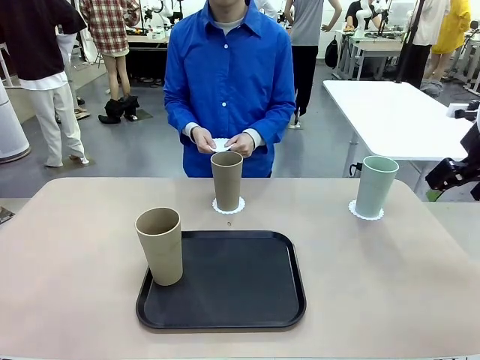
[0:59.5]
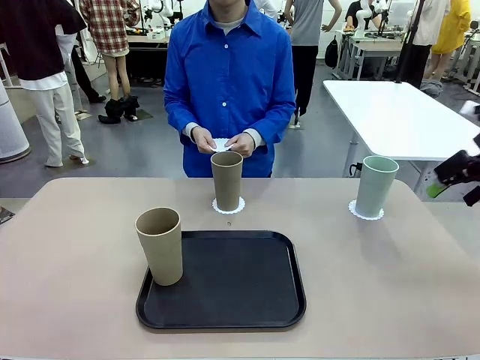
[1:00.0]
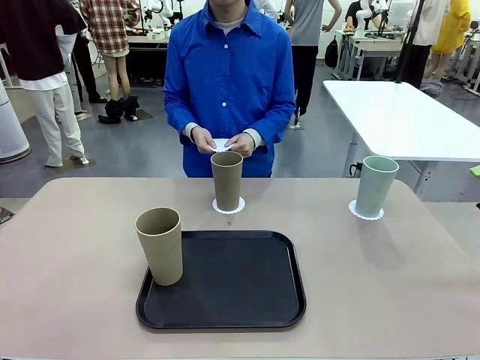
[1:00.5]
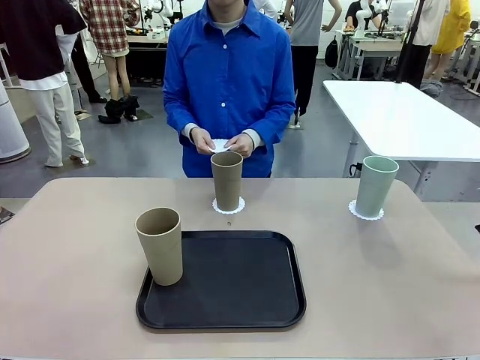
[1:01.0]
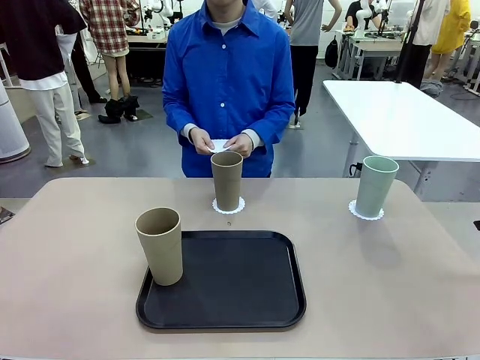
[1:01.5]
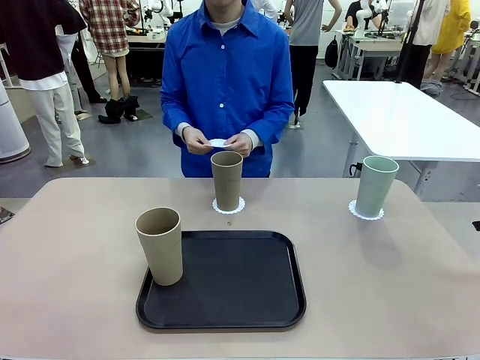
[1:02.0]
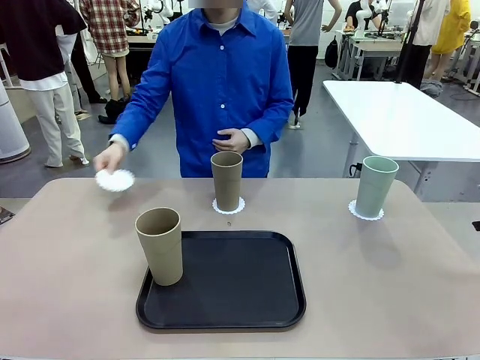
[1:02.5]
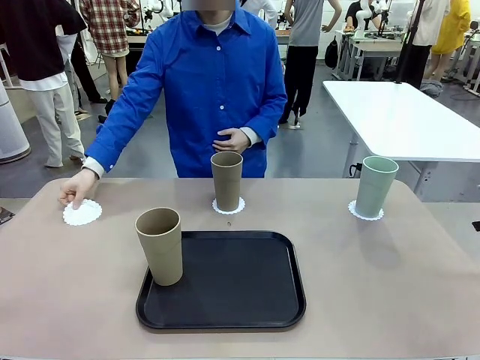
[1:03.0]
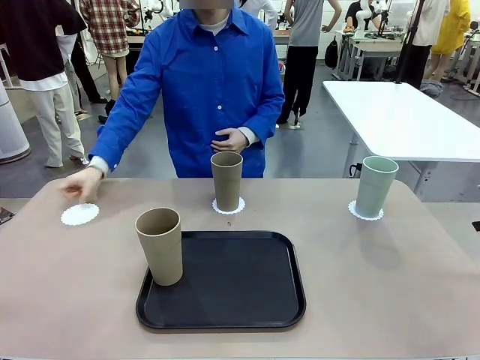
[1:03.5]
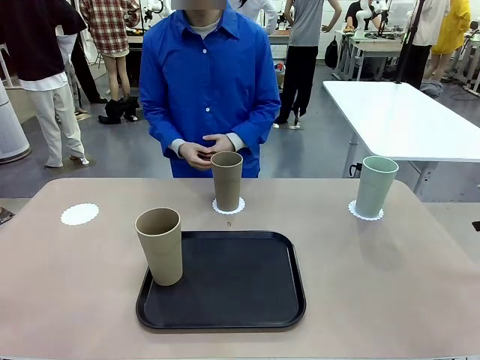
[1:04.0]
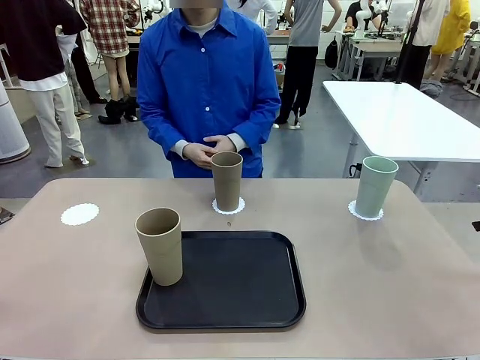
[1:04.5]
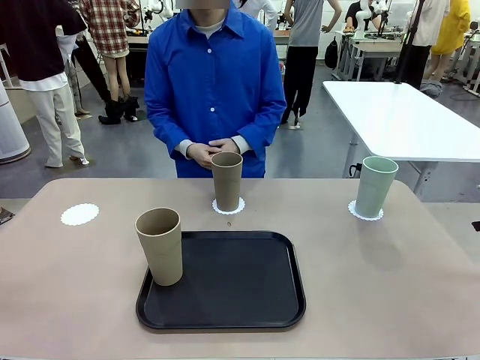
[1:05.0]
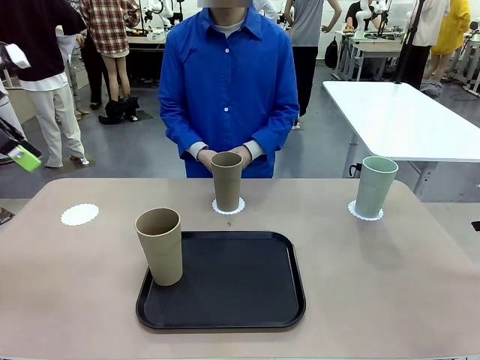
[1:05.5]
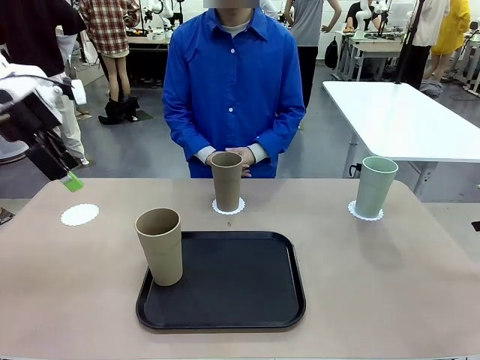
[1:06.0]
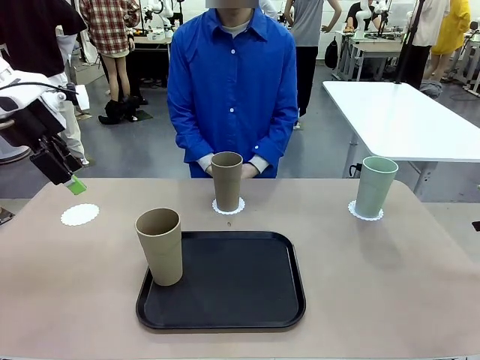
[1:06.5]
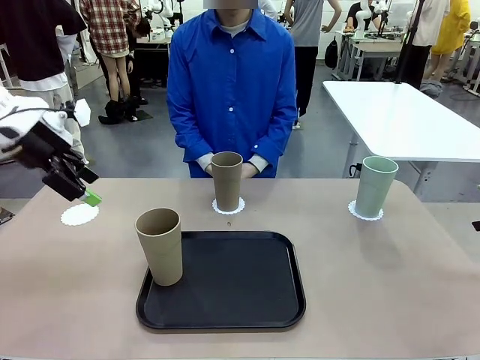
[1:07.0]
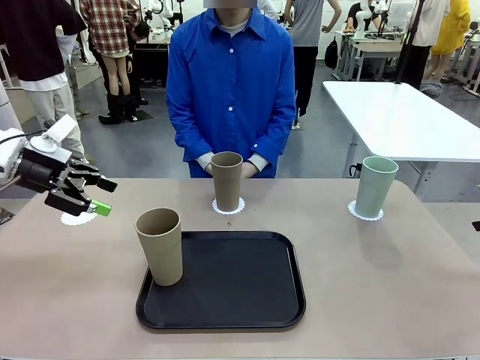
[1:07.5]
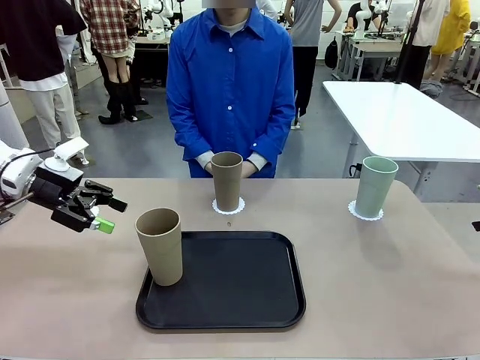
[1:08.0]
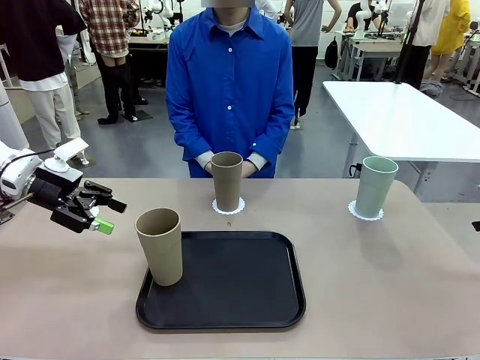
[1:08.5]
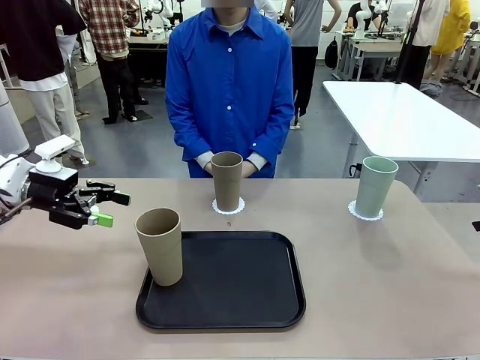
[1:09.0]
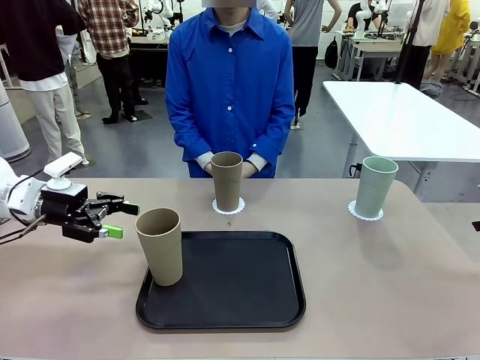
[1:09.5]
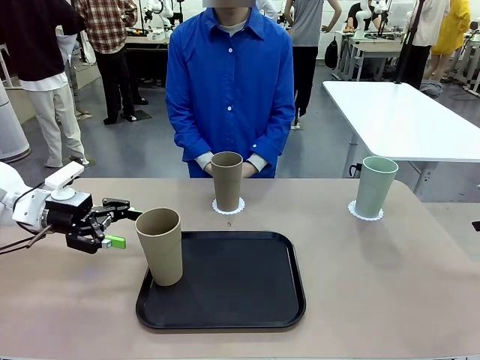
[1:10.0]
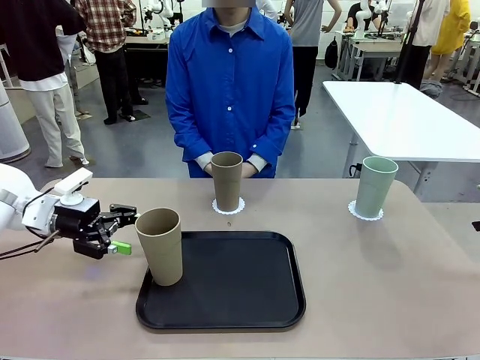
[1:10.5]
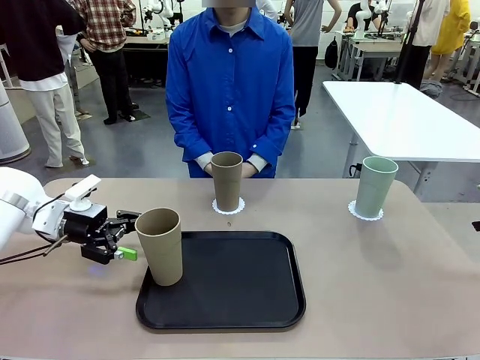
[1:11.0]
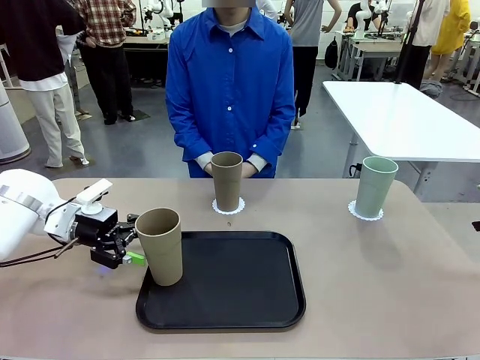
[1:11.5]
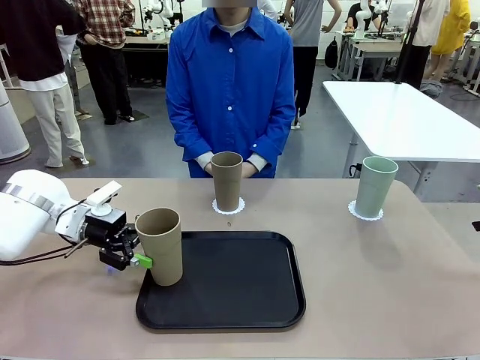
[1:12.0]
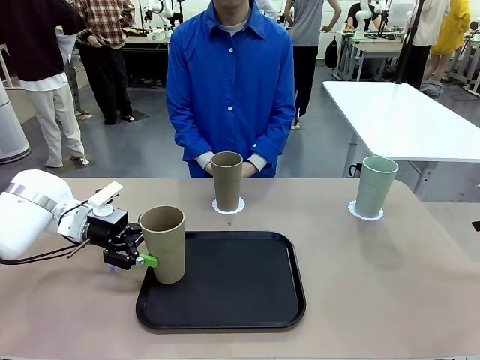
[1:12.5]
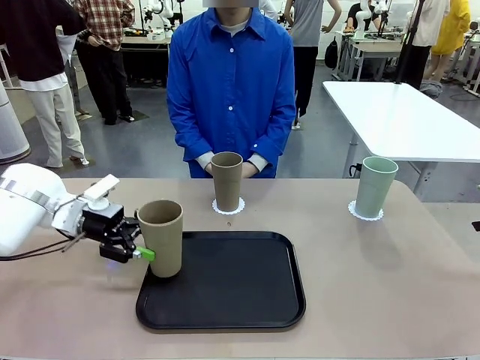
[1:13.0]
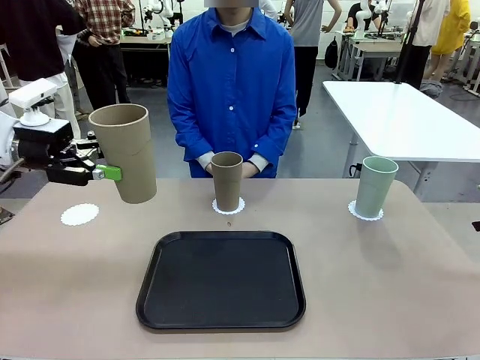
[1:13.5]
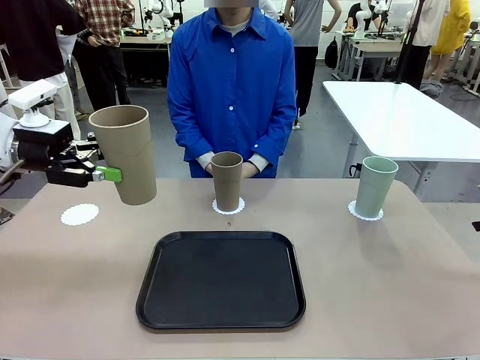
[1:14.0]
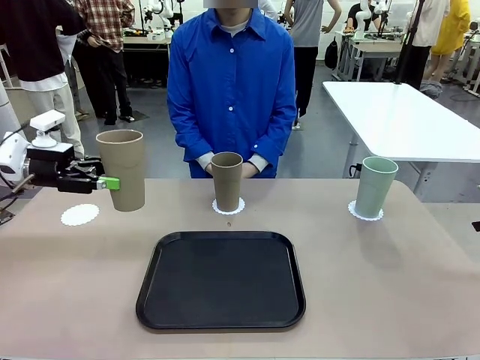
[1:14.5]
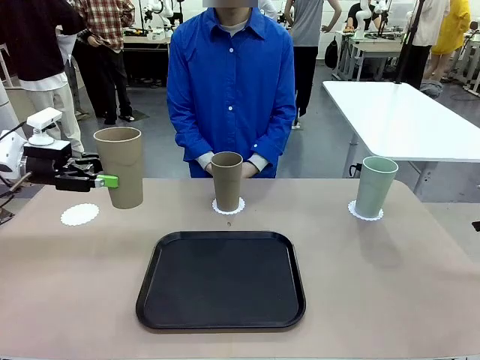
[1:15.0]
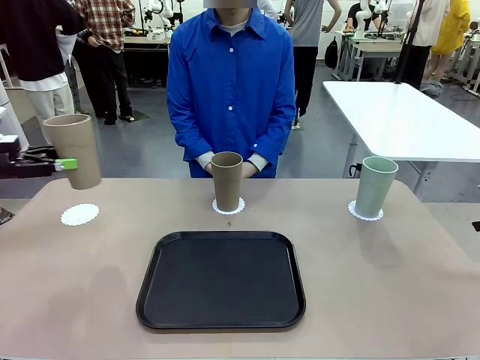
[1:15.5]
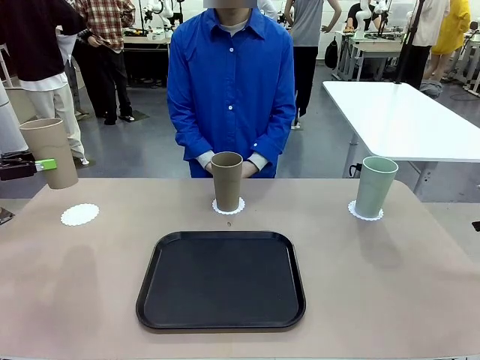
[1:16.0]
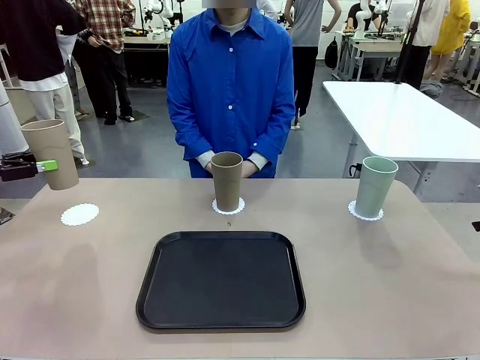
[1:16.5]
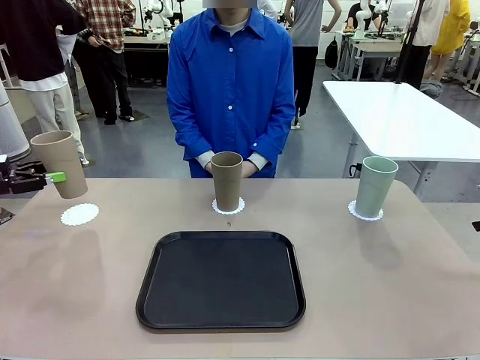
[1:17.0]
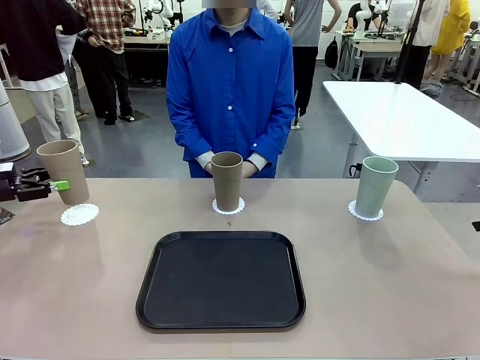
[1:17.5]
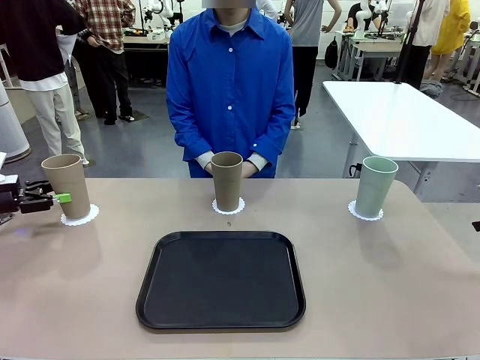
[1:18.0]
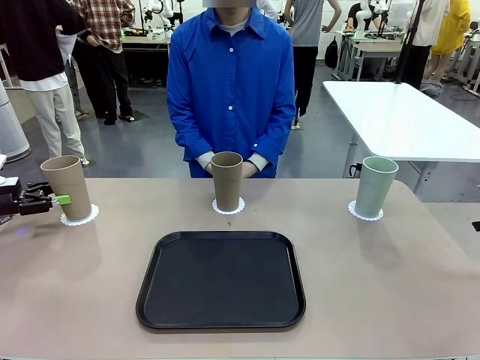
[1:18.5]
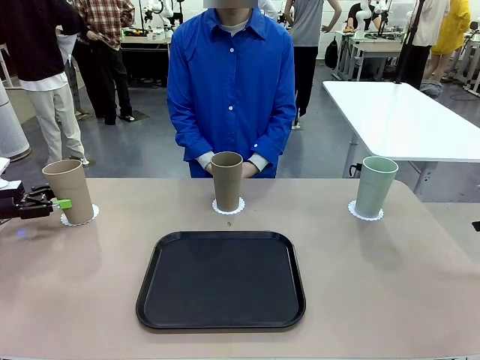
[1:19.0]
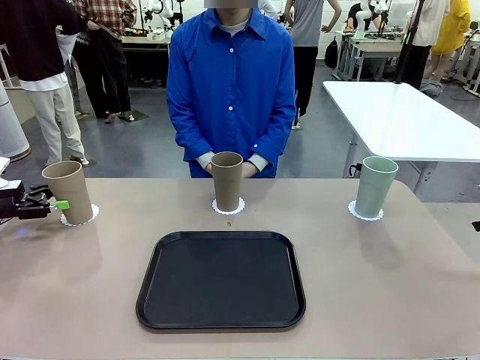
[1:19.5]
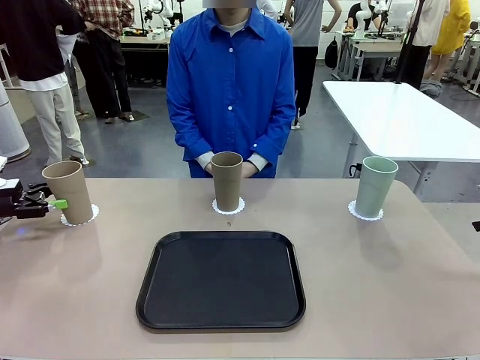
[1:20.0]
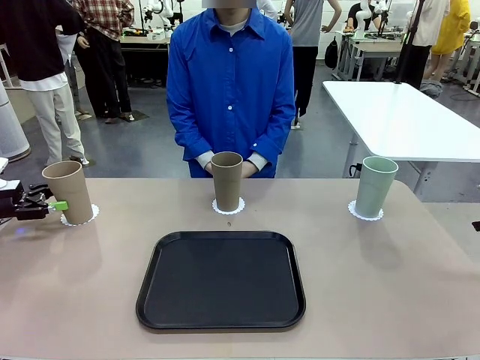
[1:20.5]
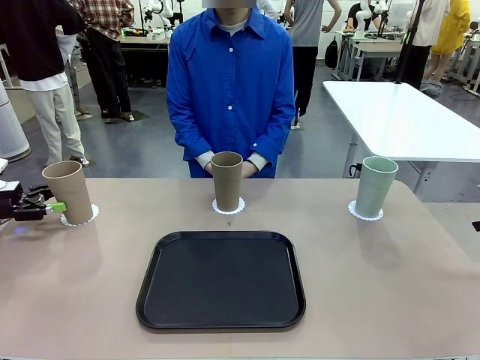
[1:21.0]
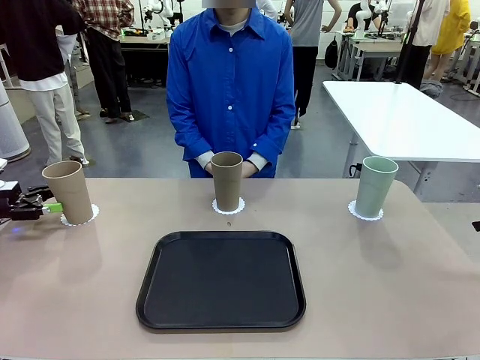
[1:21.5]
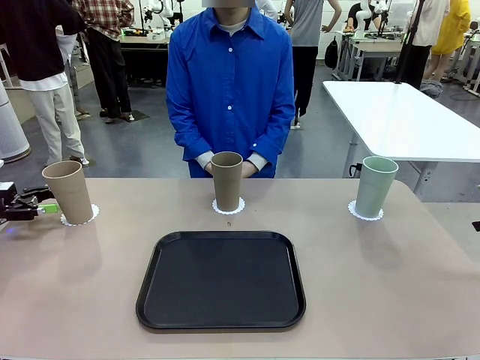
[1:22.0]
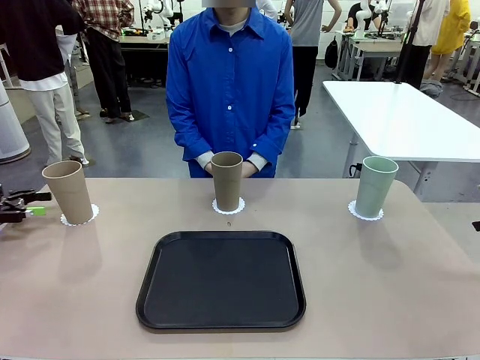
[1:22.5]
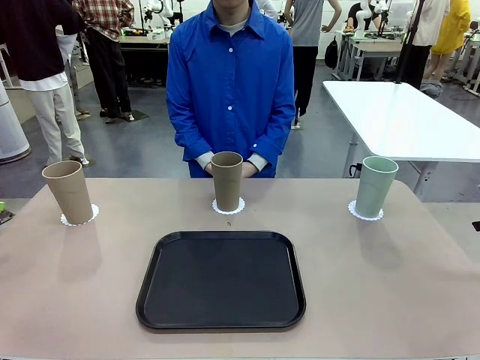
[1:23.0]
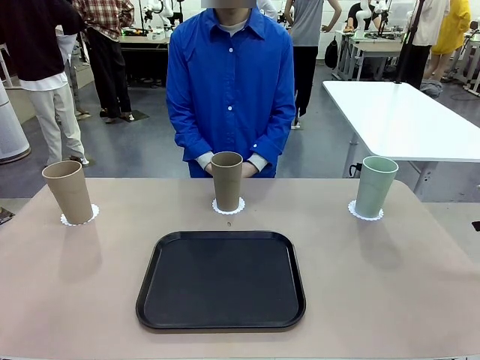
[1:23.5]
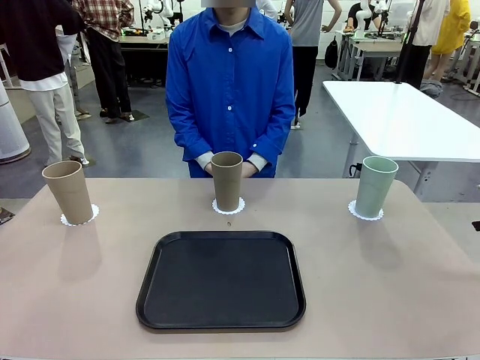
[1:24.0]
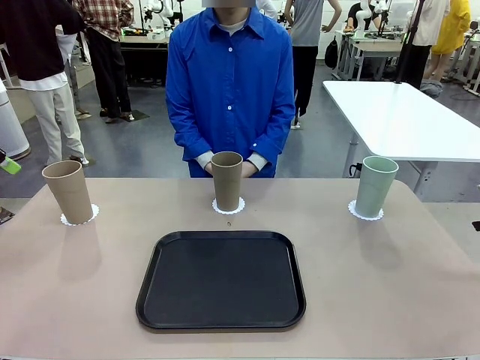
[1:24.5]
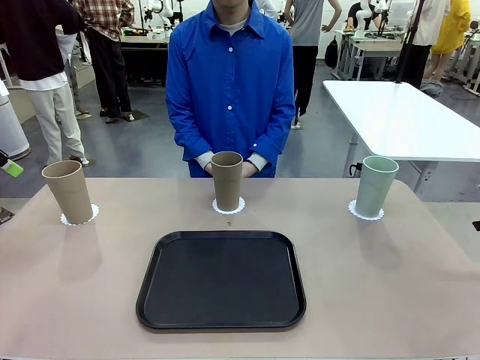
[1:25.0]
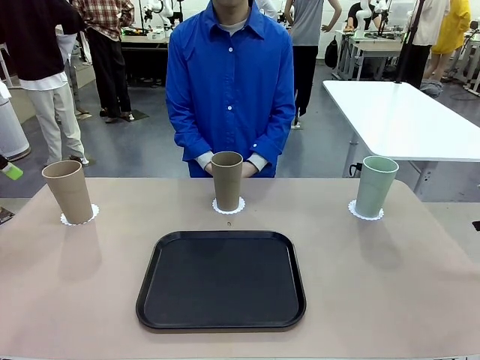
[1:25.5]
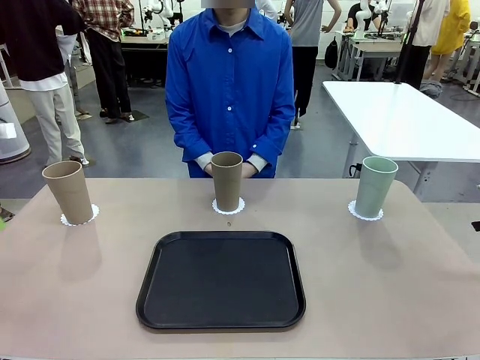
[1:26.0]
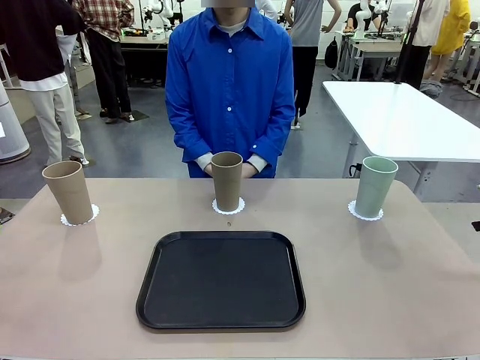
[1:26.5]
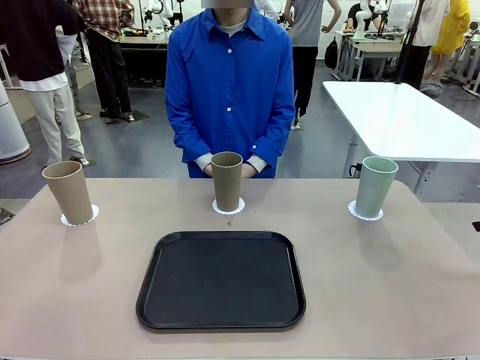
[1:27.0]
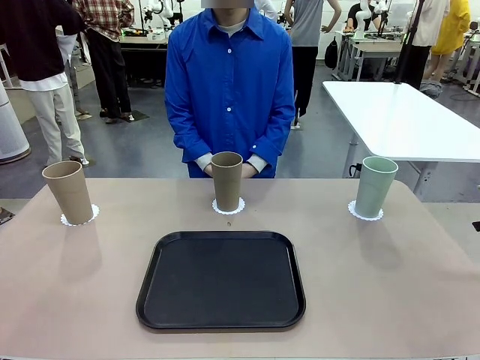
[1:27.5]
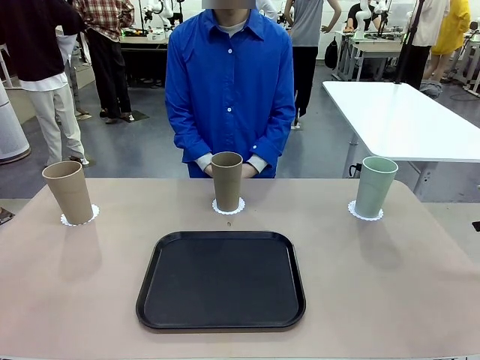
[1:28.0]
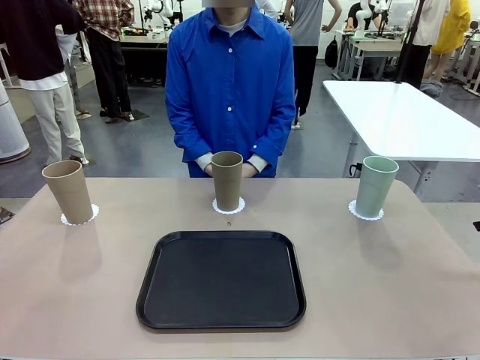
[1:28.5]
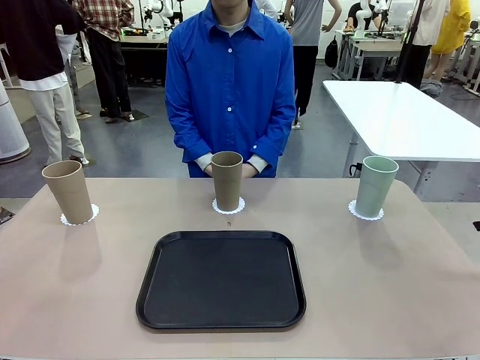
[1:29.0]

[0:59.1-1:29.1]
Task: Place coasters on the table and set cups on them.
Robot: Take one Reusable plastic cup from the Flat Tray and place it on a coaster set by the human.
Person: Place one coaster in the only remaining area.
